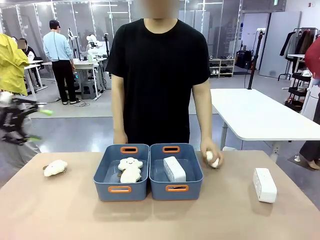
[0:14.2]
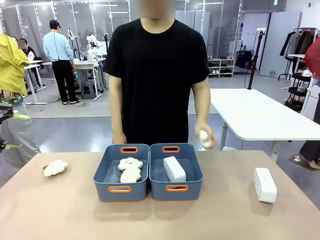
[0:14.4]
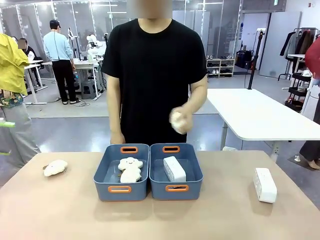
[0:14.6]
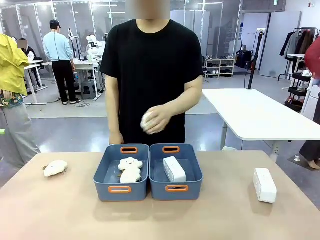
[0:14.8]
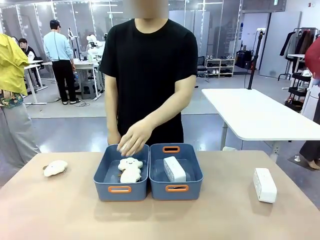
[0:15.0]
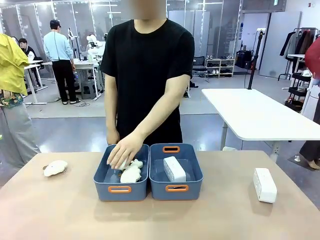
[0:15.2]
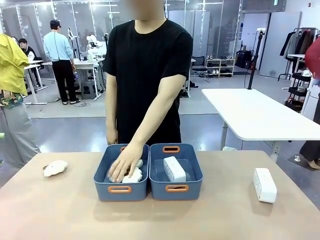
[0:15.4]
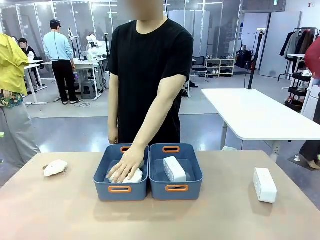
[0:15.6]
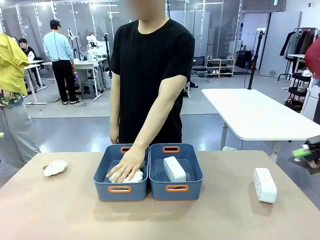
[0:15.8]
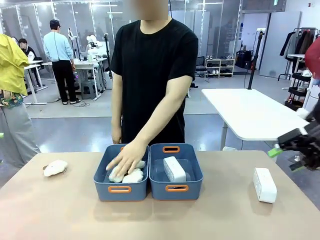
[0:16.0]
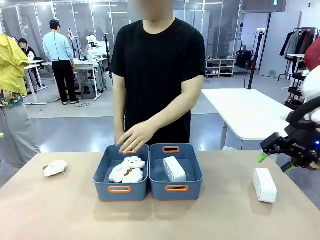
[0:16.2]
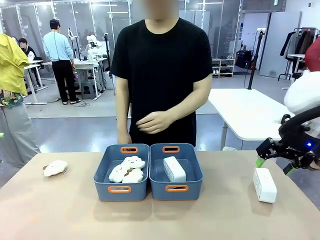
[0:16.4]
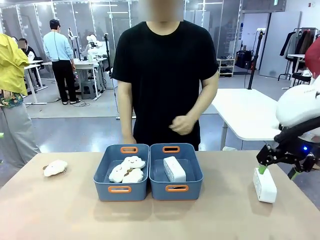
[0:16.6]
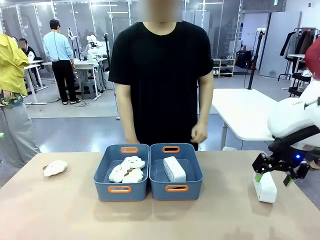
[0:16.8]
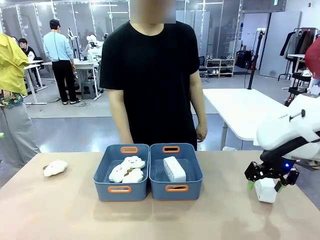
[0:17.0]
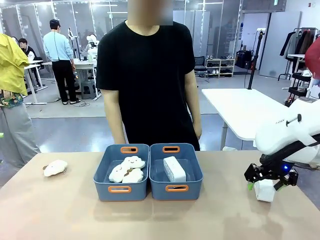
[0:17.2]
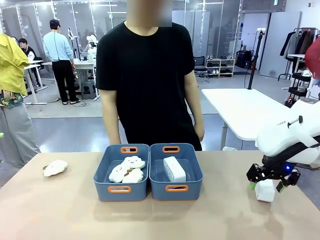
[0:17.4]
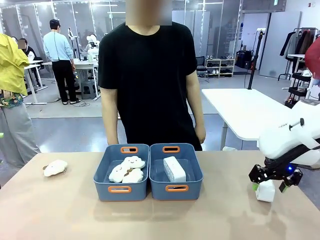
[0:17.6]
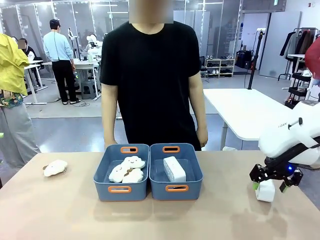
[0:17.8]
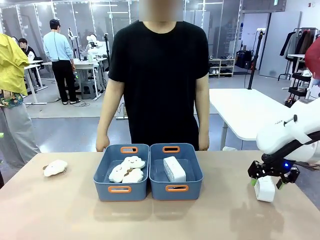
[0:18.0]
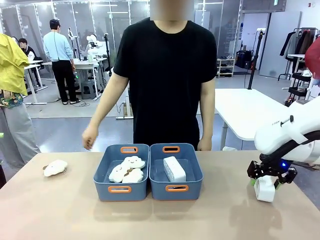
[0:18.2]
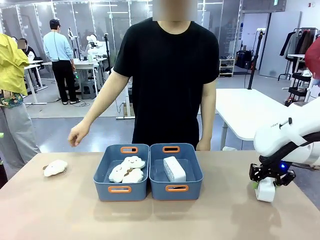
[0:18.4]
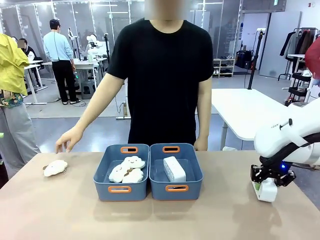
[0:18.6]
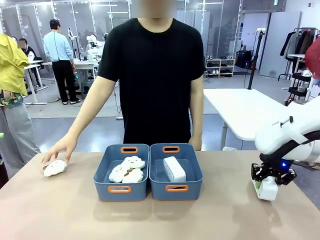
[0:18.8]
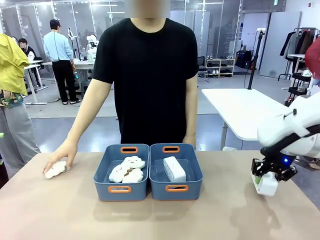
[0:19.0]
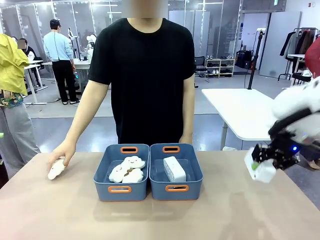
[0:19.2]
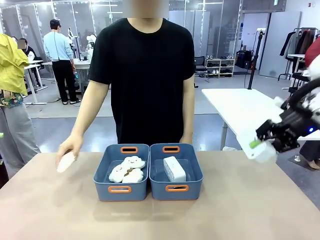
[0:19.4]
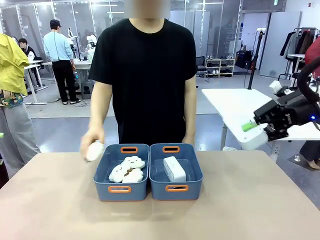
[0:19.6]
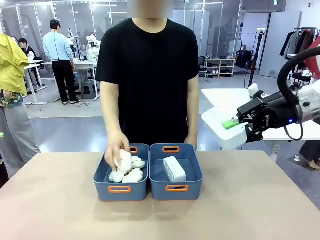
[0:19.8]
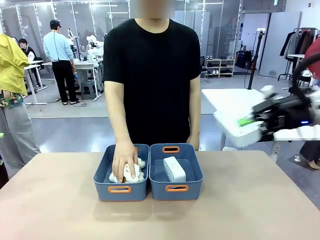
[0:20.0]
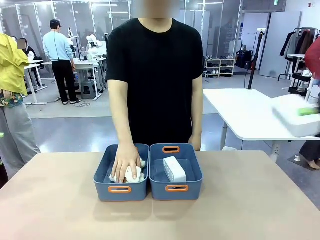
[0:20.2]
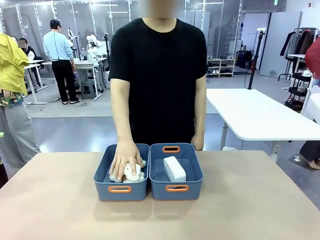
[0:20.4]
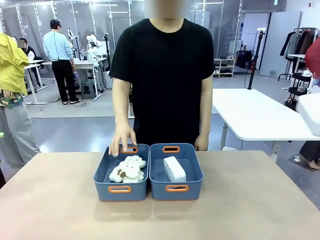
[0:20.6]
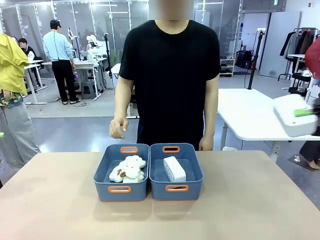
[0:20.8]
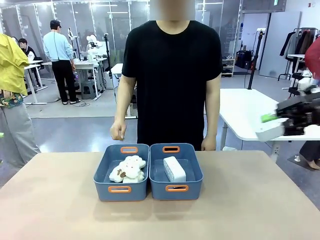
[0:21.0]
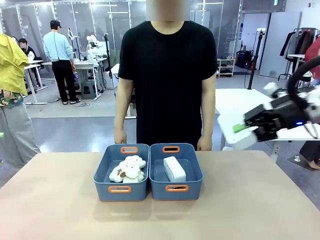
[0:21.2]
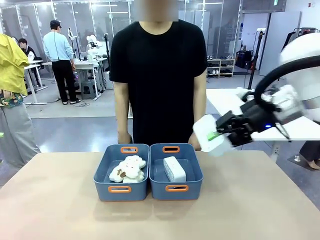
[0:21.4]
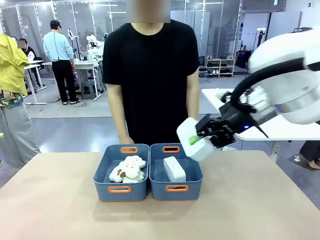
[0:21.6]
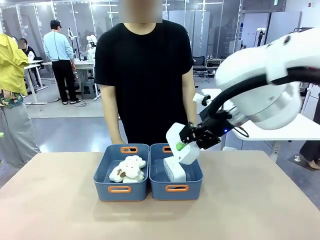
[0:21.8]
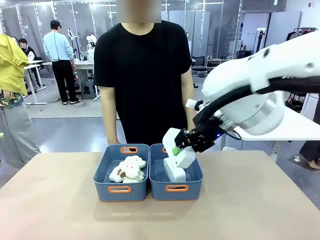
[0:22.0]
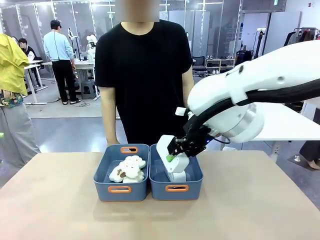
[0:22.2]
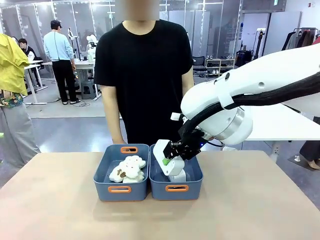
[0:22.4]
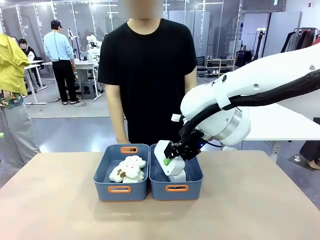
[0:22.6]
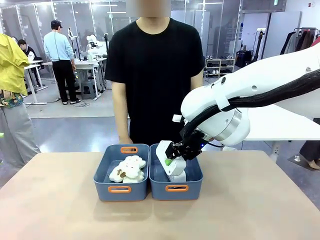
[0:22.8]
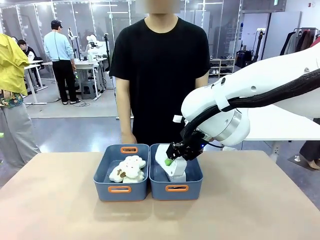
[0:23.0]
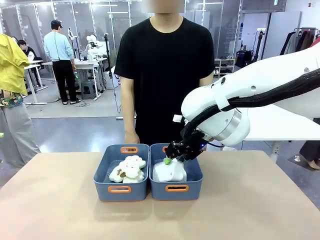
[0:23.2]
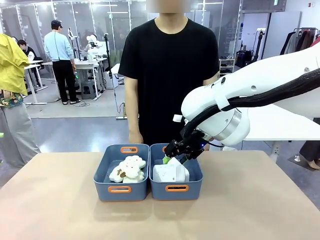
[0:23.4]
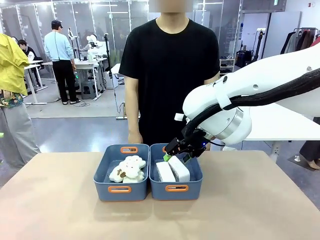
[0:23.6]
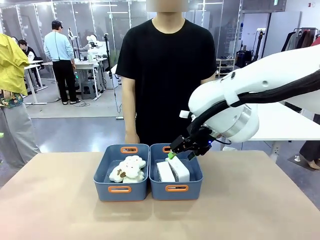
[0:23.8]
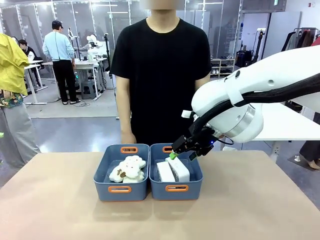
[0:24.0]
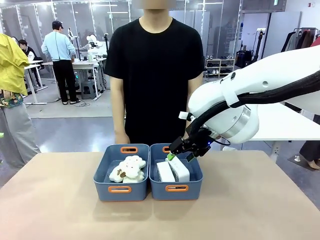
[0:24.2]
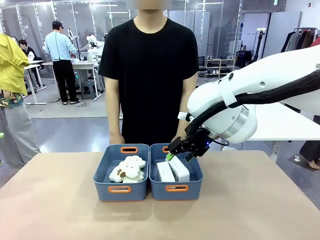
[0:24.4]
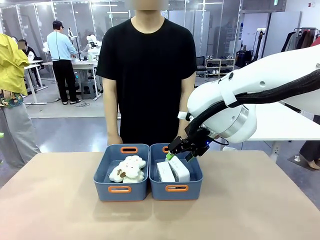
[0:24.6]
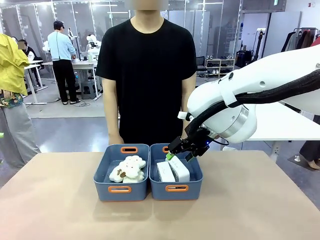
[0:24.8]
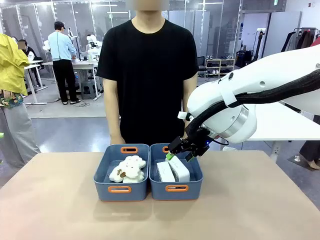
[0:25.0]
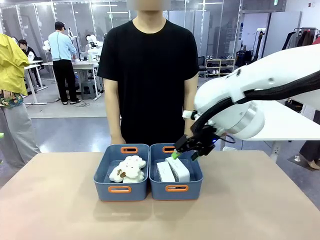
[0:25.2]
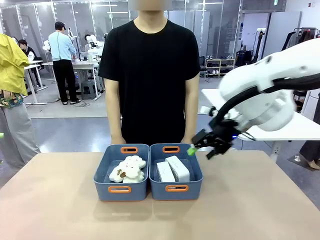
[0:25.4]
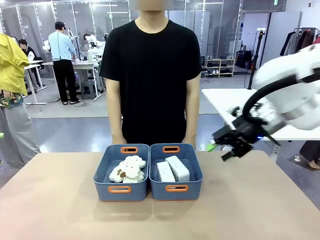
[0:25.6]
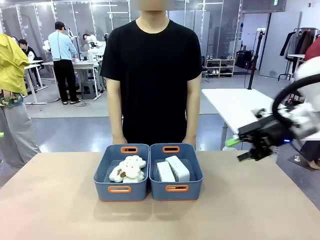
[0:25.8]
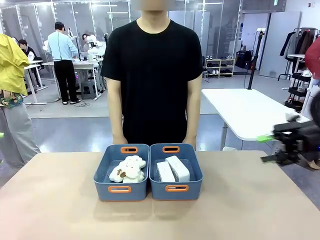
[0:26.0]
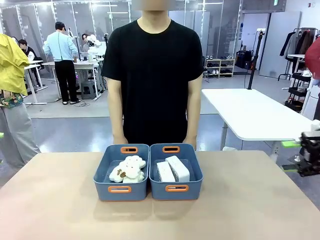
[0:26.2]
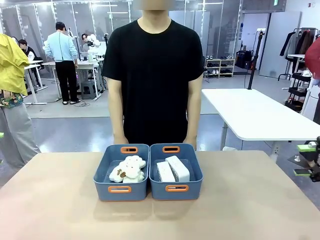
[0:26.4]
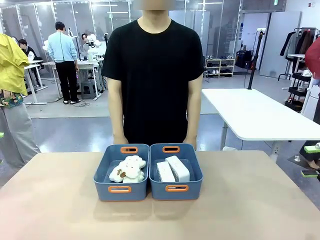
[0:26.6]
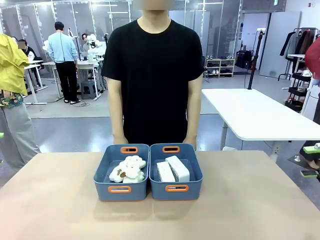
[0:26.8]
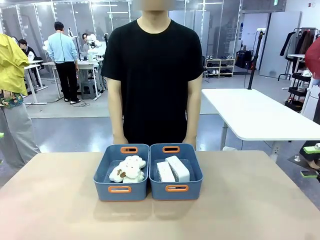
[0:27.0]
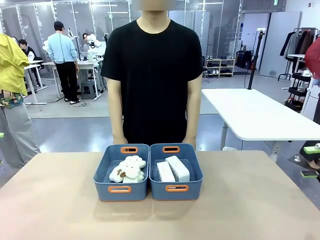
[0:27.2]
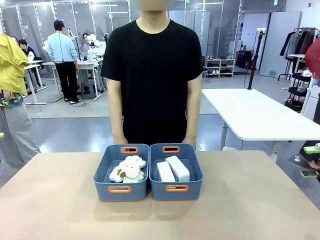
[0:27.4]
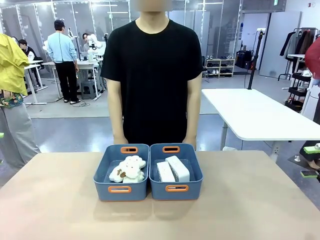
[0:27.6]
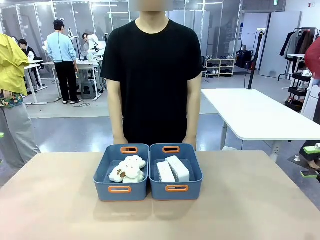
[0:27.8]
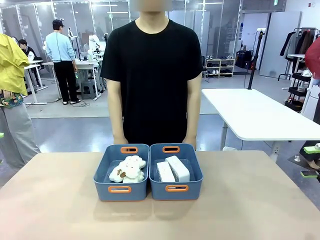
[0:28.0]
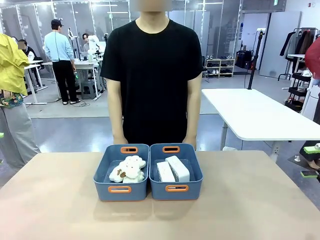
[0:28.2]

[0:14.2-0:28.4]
Task: Sort the digital clocks into the basket.
Robot: Pick up the Digital clock from the table and place it into the empty Plastic storage basket.
Person: Pick up a plush toy from the table and place it in the plastic storage basket containing the plush toy.
